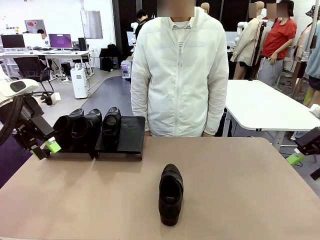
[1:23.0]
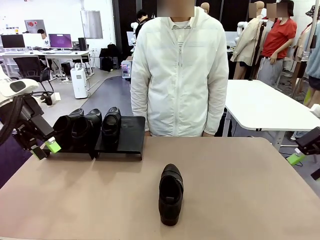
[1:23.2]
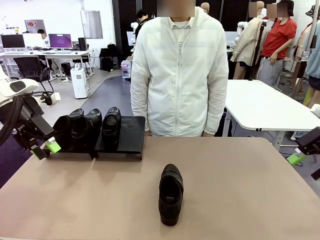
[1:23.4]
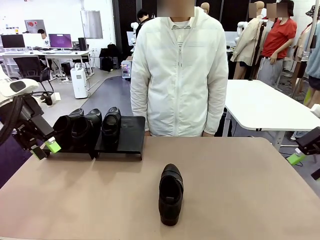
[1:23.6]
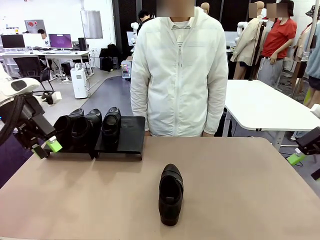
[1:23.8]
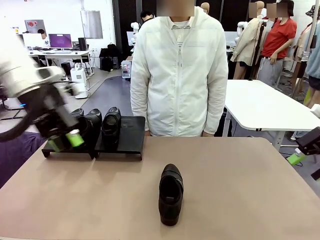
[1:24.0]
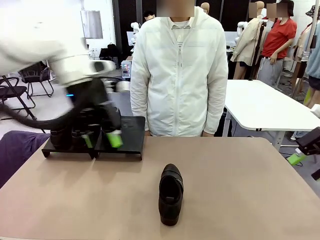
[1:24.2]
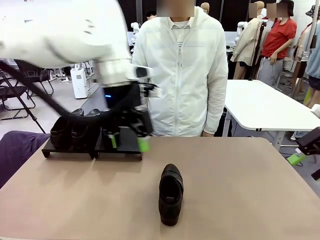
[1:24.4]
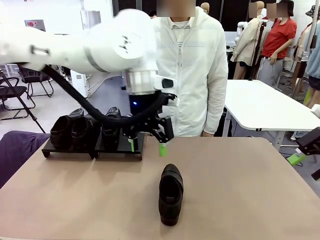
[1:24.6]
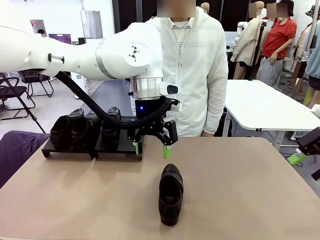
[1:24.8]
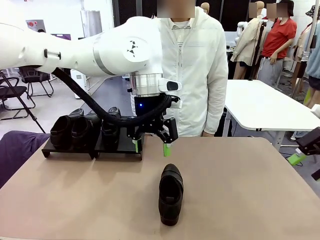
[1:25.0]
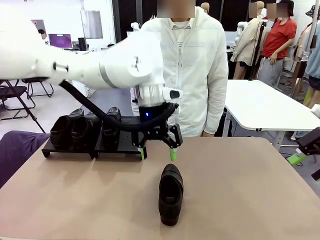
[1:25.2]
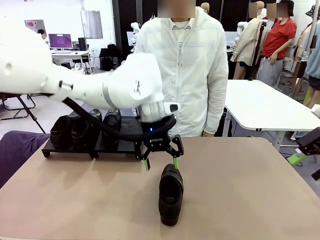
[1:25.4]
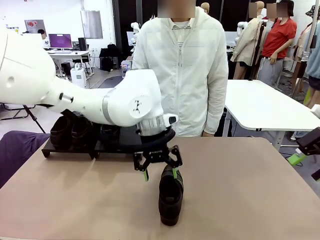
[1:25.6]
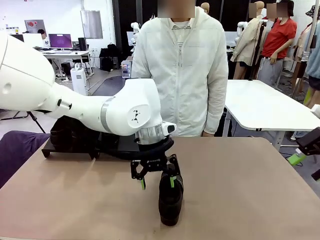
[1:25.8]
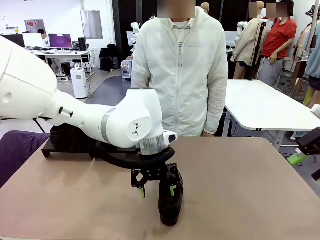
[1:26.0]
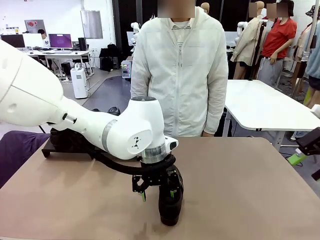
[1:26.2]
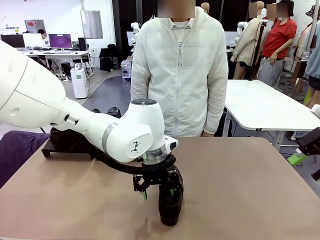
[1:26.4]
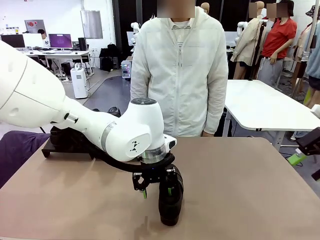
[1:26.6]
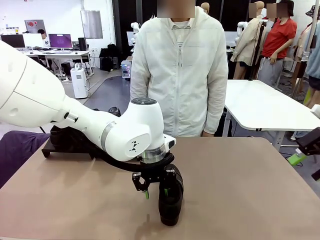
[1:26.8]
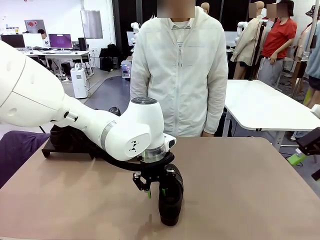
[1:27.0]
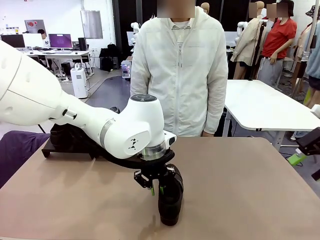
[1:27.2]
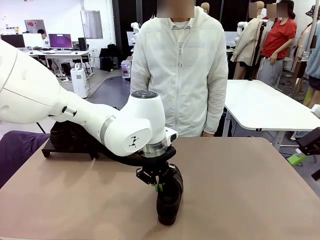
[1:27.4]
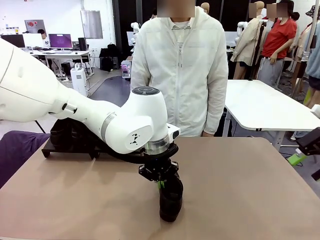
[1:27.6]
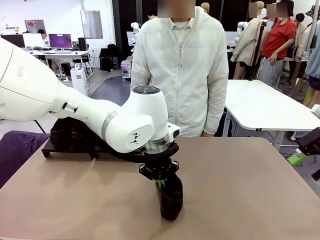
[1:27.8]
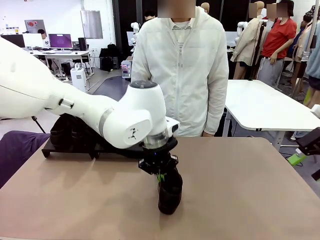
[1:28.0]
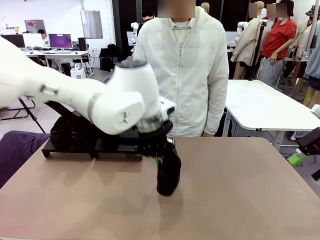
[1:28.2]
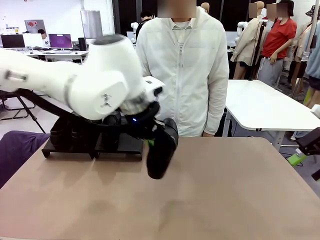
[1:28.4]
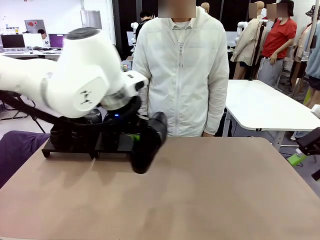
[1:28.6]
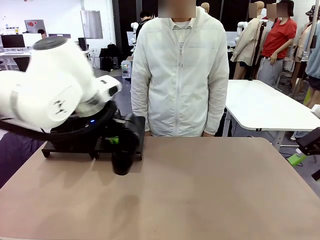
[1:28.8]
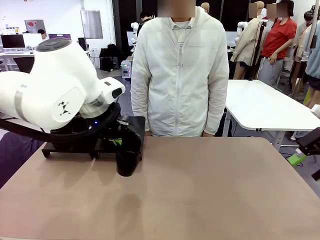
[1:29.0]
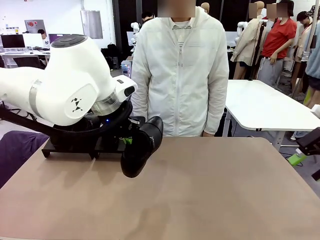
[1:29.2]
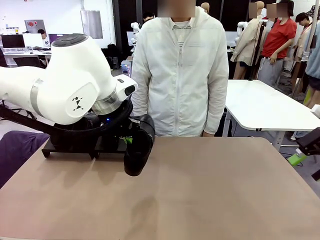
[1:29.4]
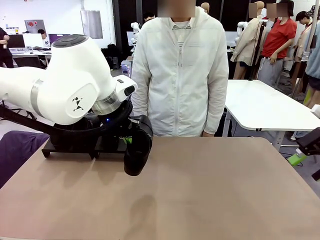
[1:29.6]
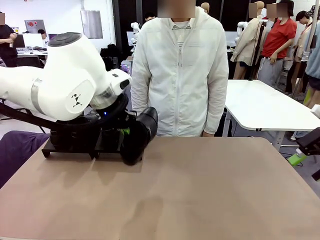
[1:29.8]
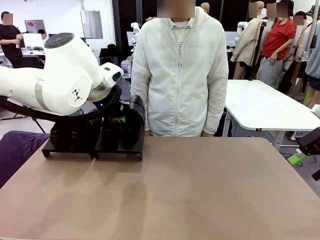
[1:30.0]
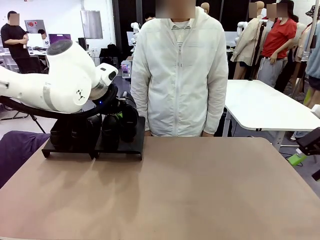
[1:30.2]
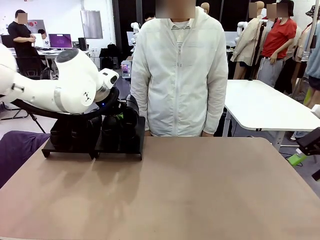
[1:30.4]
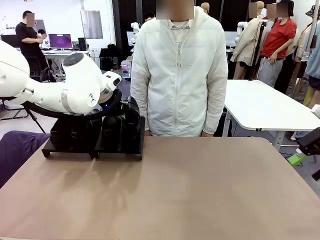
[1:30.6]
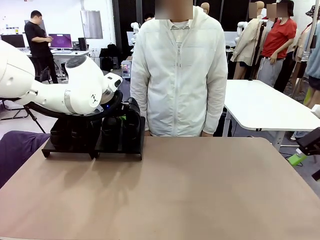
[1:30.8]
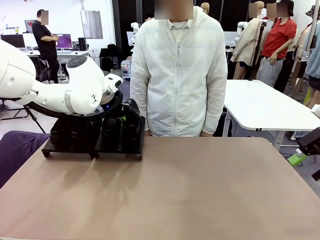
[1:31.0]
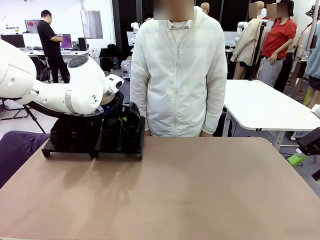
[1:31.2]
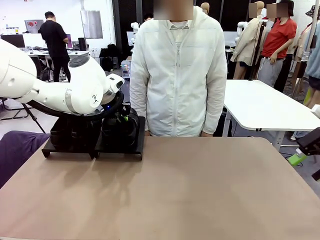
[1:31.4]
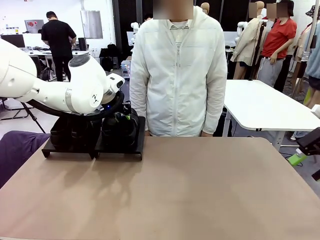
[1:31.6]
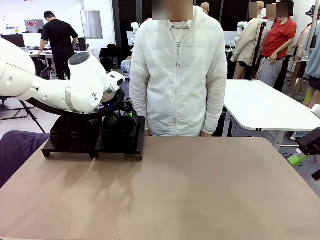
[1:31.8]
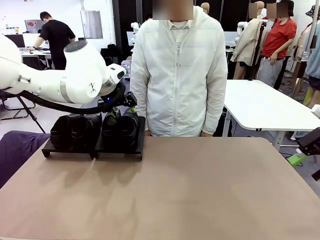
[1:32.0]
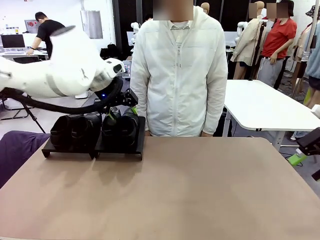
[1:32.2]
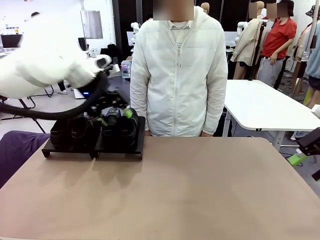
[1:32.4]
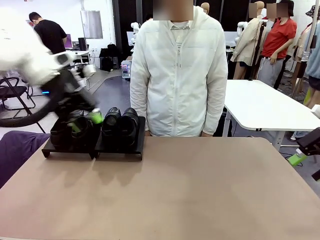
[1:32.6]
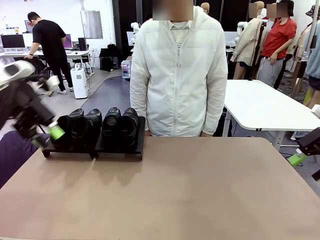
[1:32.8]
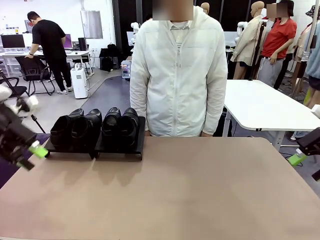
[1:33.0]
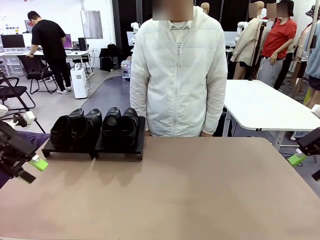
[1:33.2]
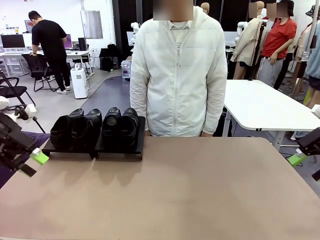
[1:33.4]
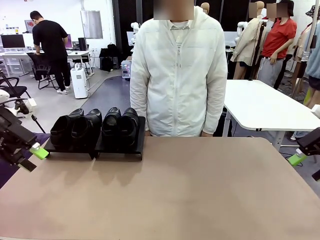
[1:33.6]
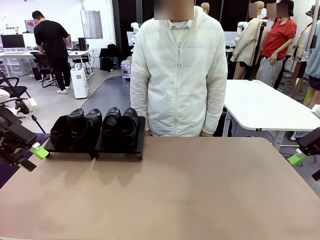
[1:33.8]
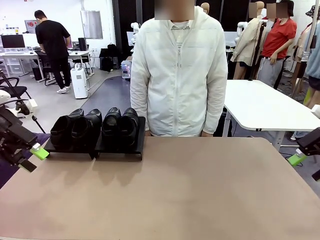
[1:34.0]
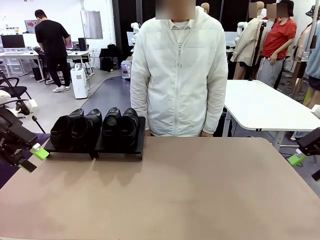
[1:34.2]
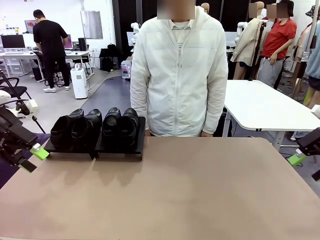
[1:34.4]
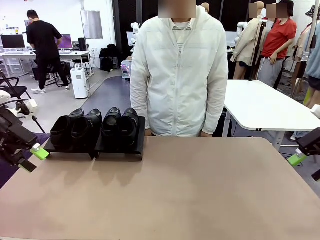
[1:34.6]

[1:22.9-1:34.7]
Task: Organize the shoes by placing them on the stand.
Robot: Place the Shoe from the middle of the table onto the Shoes Stand.

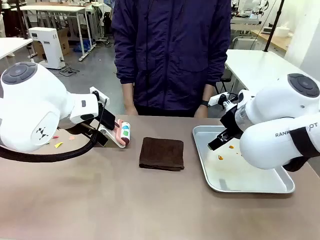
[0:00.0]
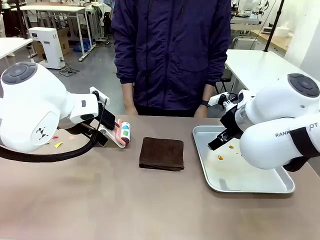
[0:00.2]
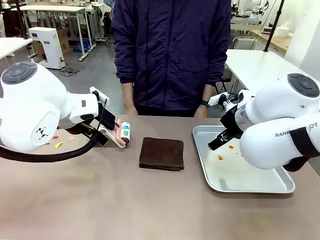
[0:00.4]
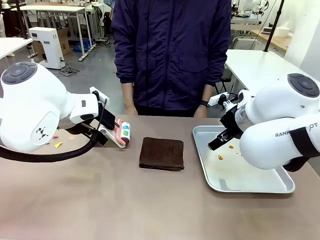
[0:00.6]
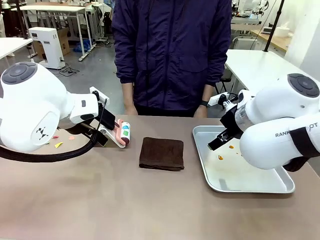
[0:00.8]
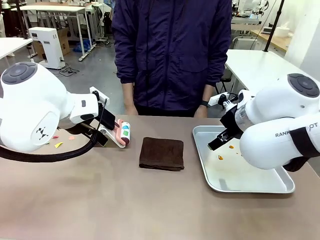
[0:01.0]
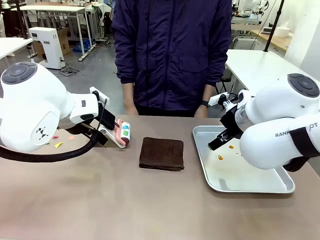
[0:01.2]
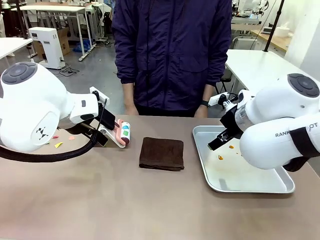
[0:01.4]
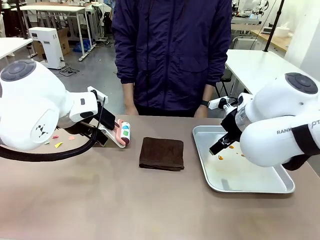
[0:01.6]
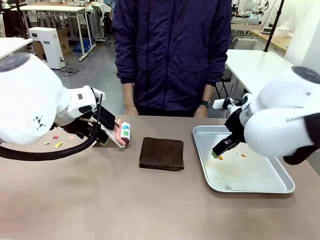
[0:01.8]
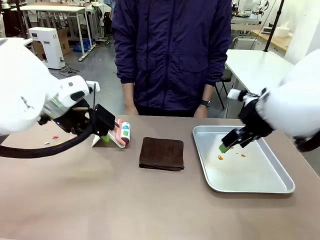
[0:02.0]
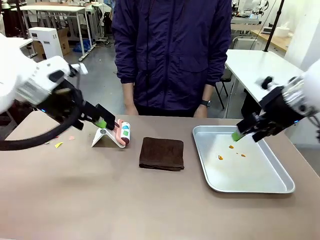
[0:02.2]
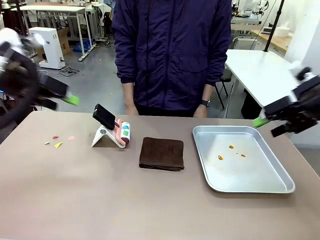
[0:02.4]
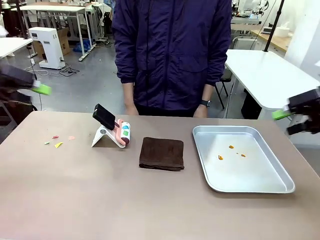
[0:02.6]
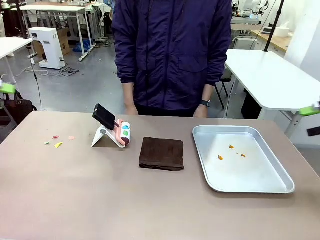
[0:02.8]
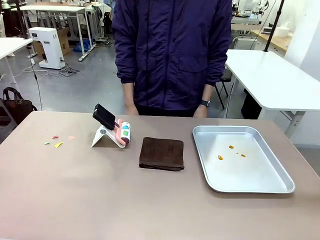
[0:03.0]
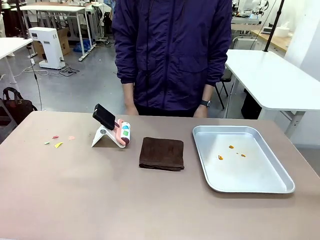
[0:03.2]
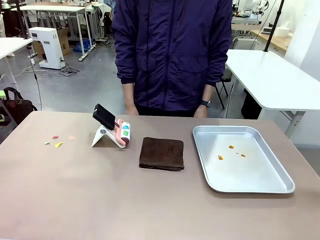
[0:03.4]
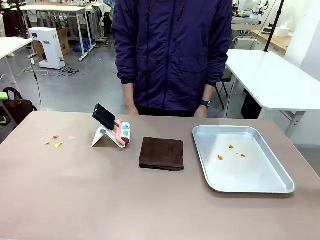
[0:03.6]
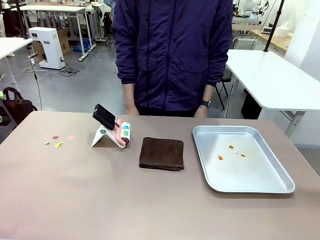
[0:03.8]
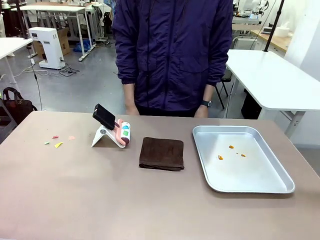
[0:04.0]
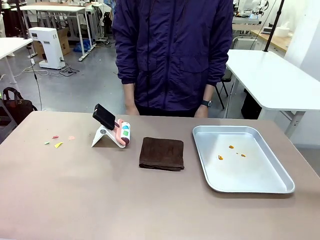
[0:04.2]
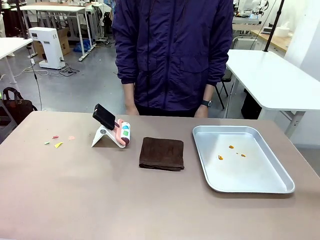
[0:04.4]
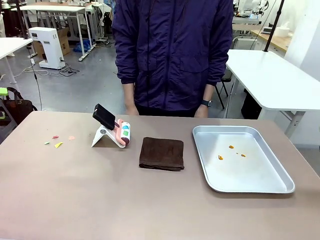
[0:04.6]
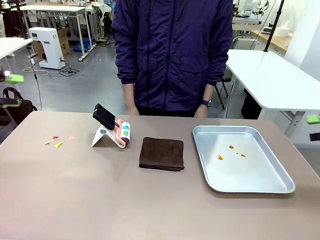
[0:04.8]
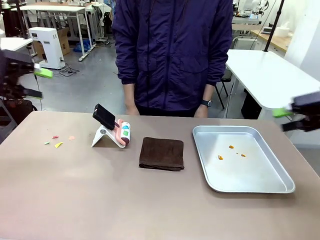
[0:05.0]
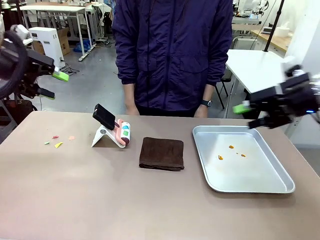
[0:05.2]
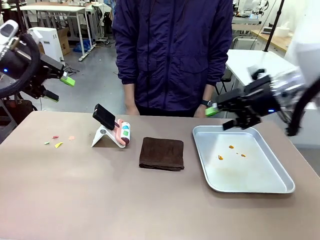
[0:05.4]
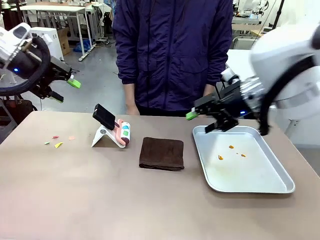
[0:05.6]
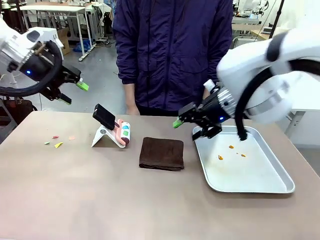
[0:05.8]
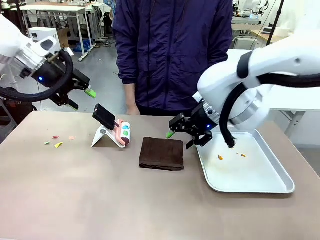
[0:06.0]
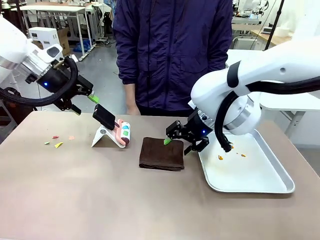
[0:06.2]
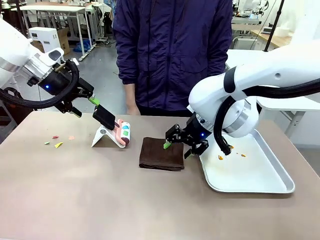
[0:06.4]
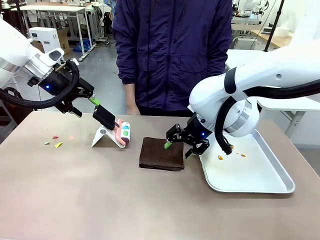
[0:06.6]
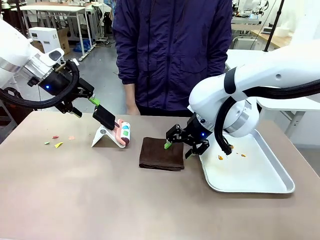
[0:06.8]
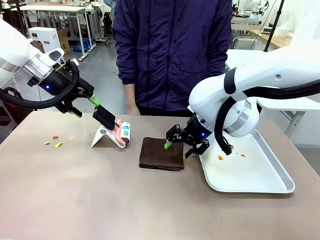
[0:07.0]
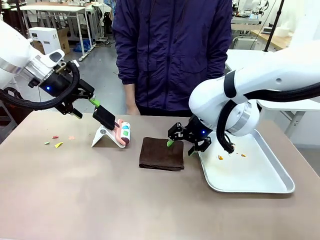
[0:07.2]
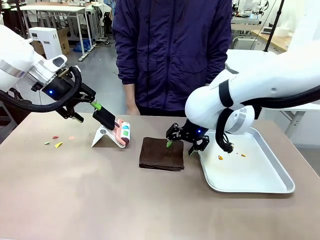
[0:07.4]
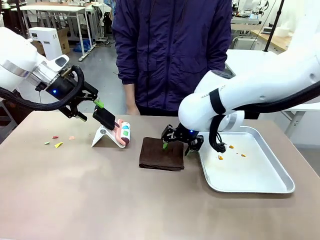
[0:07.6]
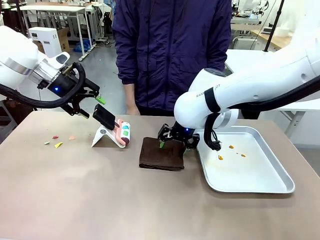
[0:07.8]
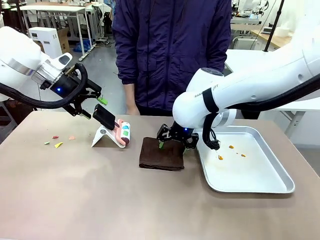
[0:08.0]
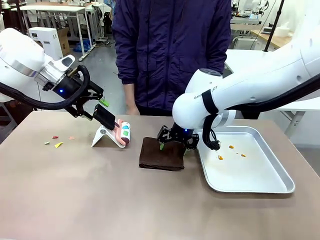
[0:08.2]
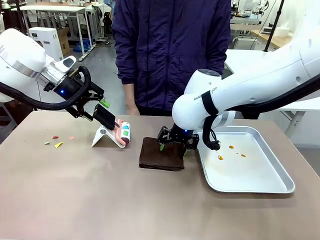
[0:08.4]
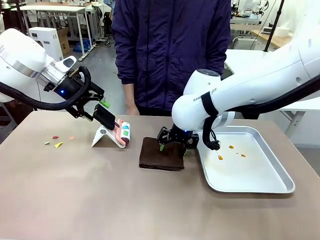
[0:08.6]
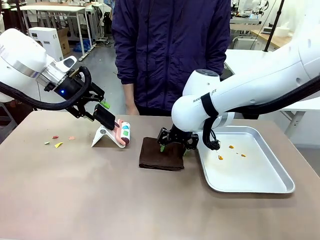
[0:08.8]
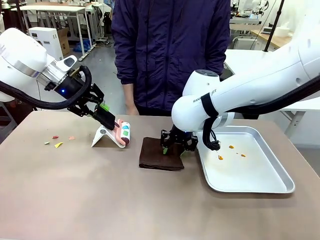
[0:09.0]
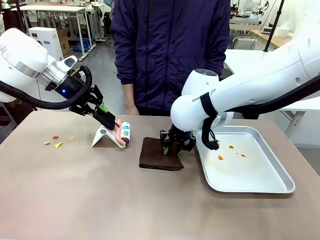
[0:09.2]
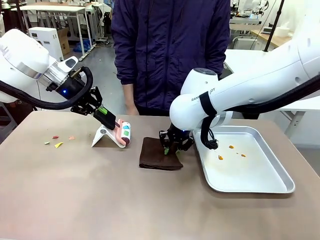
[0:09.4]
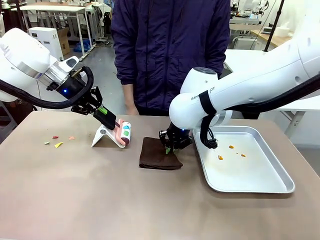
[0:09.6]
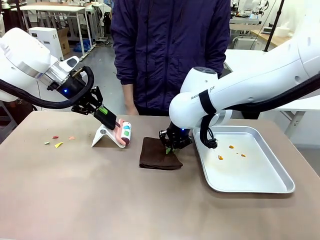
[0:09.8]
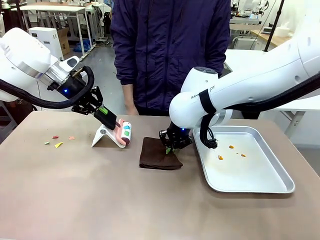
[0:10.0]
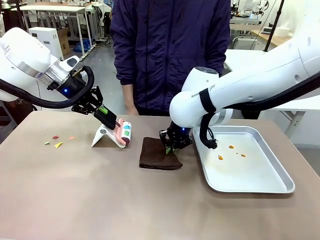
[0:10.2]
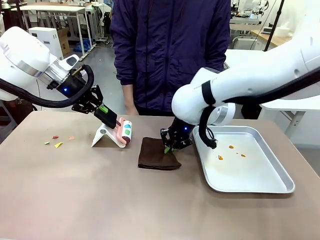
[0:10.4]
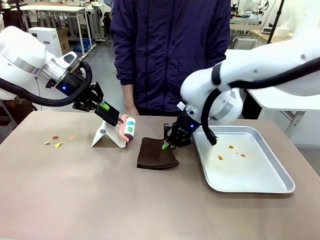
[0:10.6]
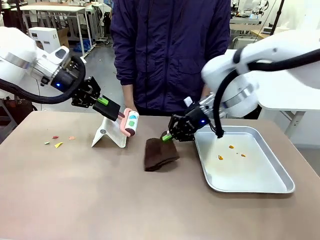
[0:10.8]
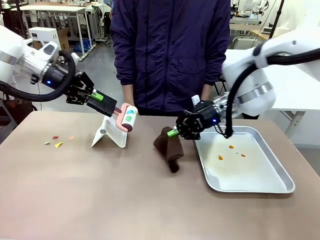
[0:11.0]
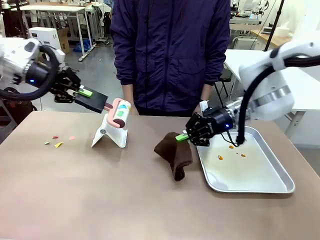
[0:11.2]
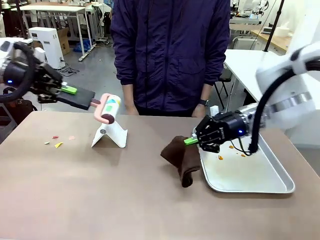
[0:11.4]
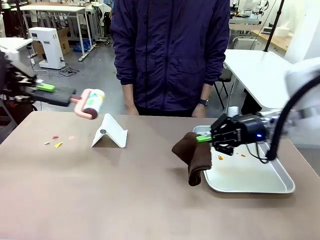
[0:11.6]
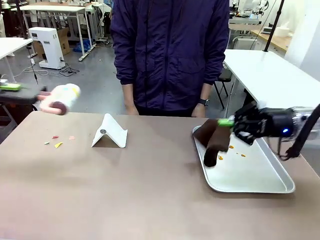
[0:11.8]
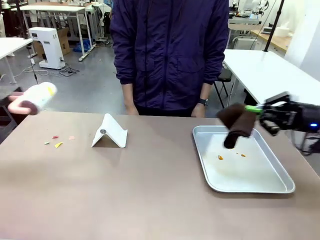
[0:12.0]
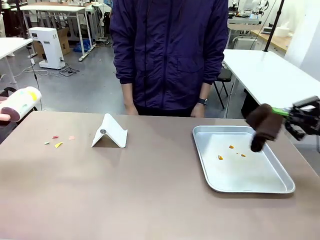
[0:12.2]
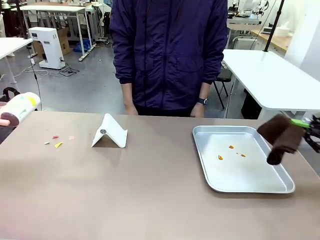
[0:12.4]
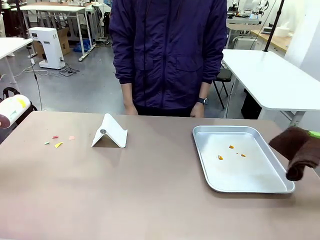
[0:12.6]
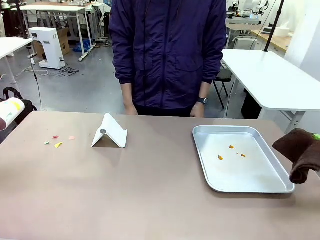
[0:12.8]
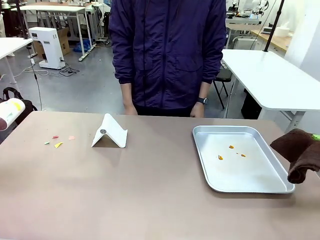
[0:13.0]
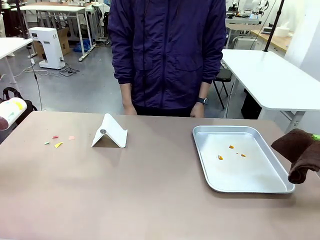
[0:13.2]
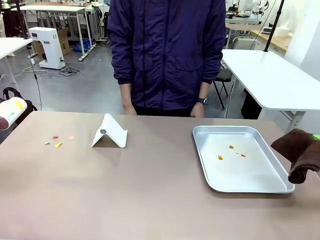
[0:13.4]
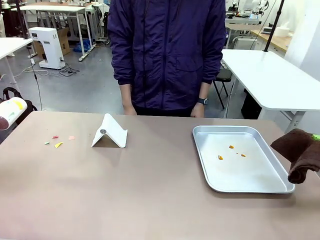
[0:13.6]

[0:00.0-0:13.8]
Task: Clean the surface of the table.
Robot: Hold the Lint Roller with your left hand and the towel with your right hand.
